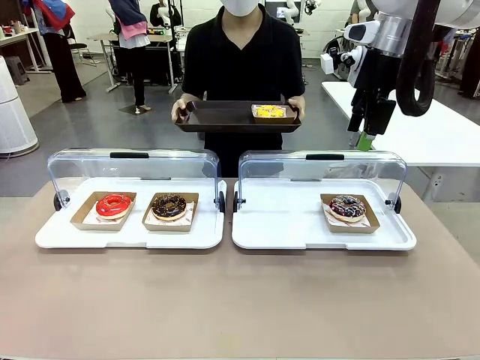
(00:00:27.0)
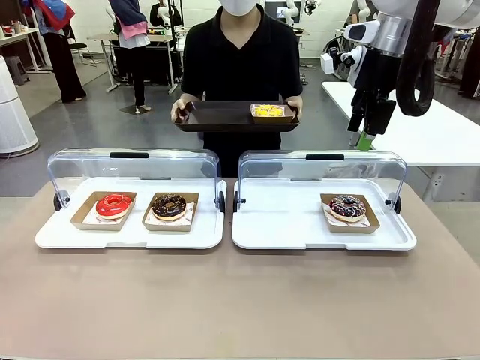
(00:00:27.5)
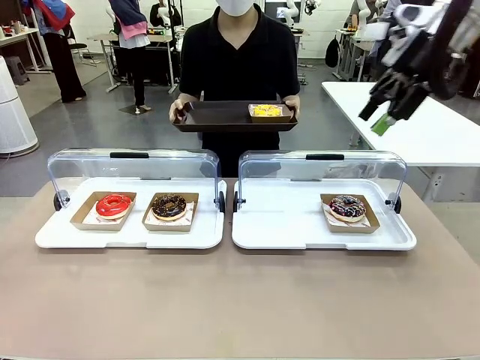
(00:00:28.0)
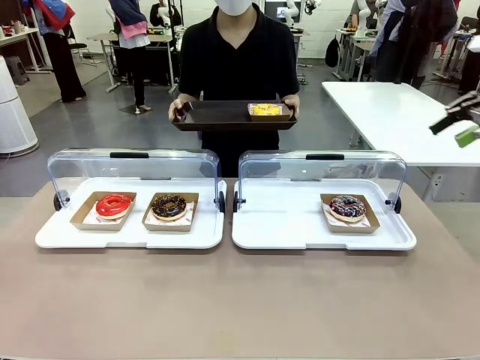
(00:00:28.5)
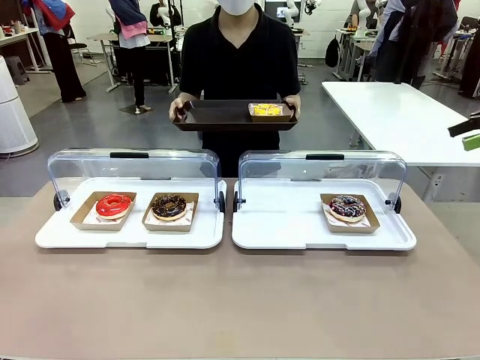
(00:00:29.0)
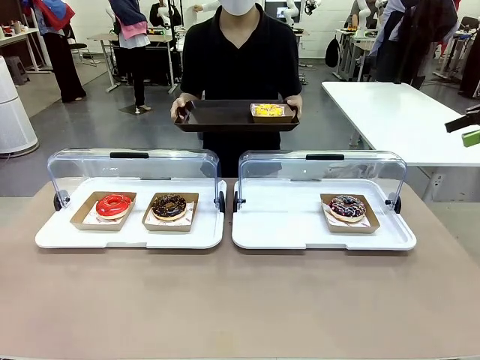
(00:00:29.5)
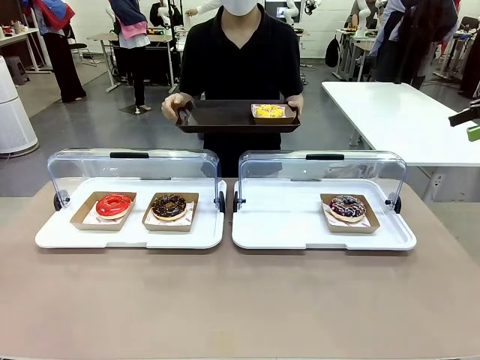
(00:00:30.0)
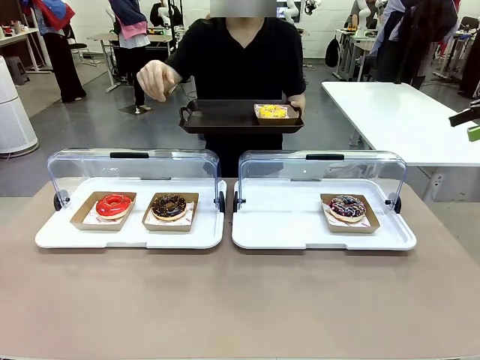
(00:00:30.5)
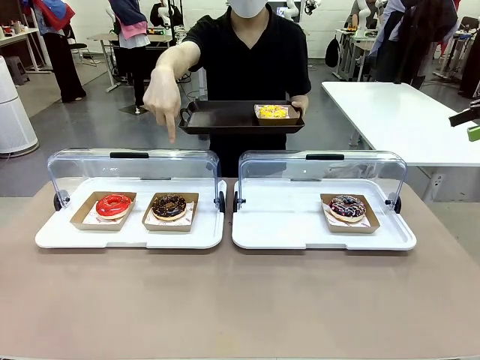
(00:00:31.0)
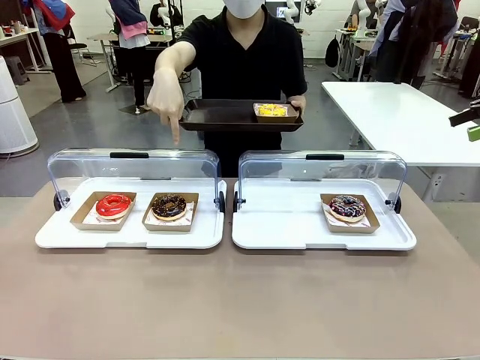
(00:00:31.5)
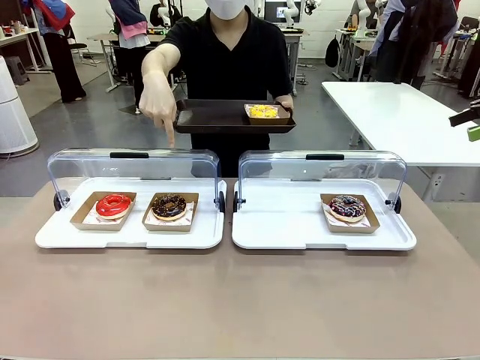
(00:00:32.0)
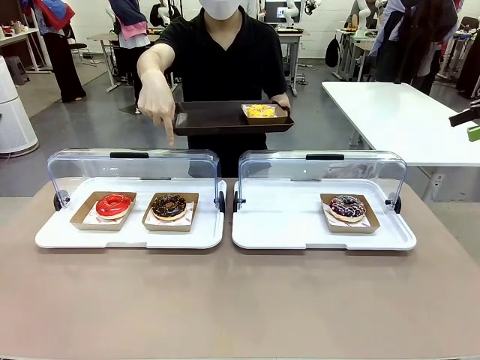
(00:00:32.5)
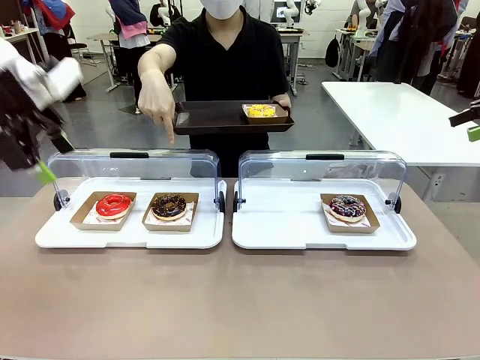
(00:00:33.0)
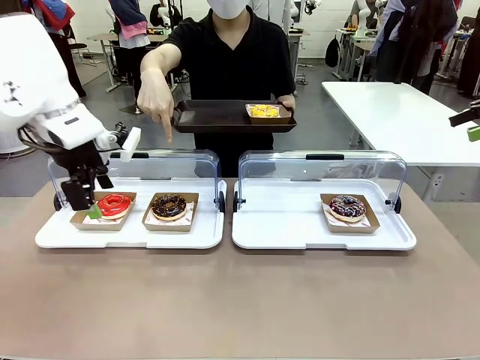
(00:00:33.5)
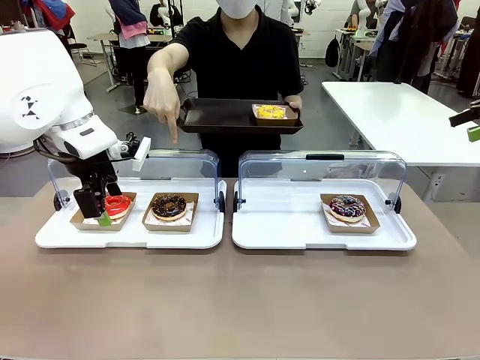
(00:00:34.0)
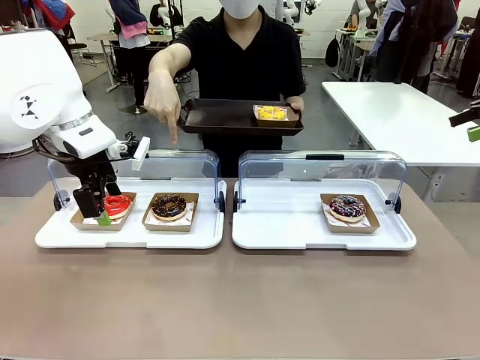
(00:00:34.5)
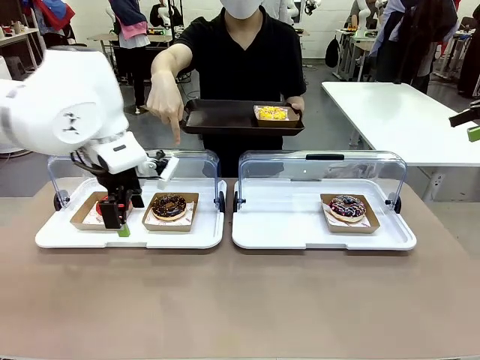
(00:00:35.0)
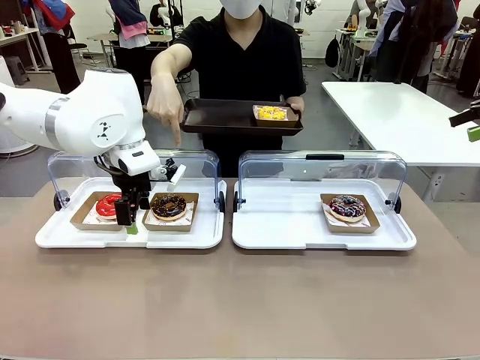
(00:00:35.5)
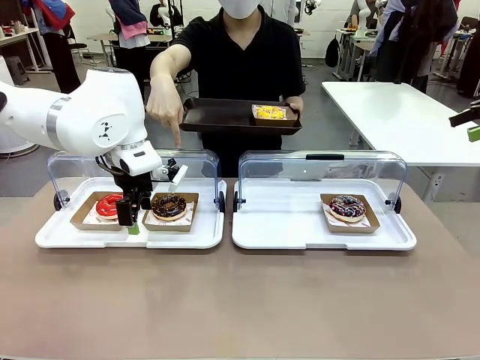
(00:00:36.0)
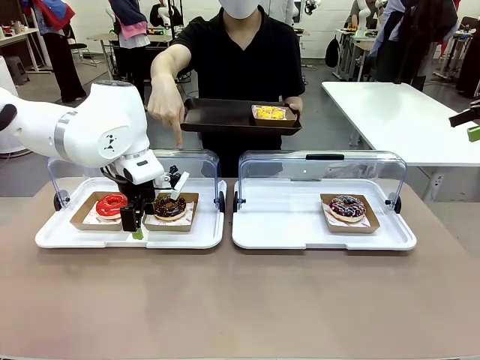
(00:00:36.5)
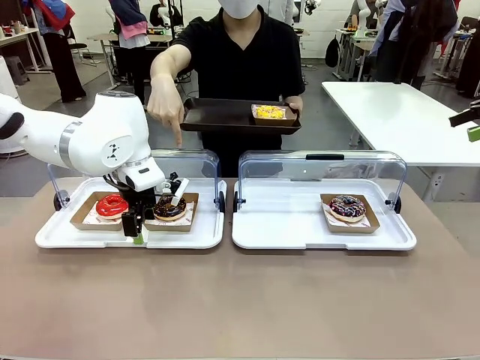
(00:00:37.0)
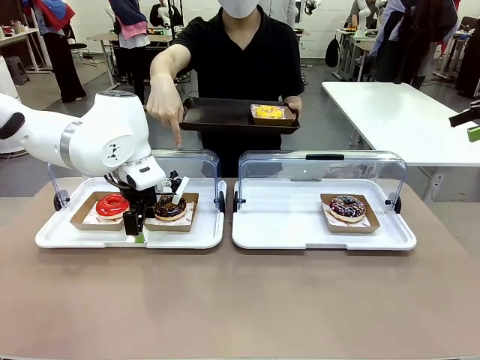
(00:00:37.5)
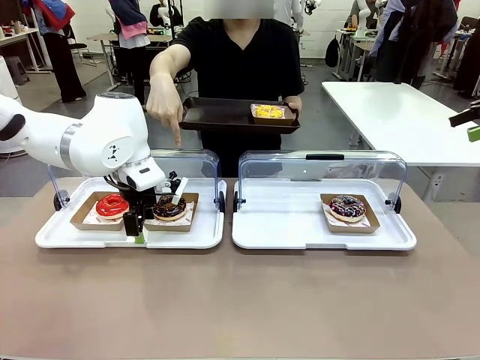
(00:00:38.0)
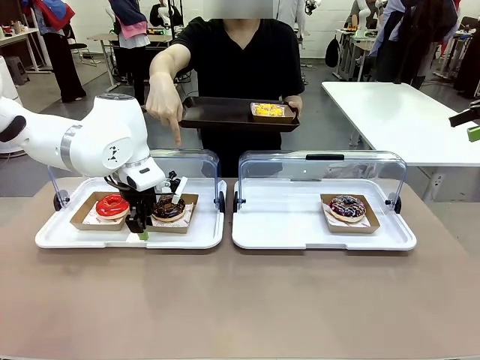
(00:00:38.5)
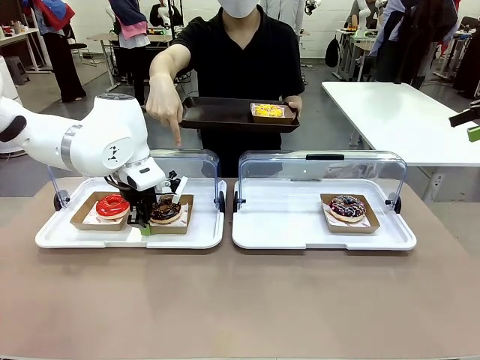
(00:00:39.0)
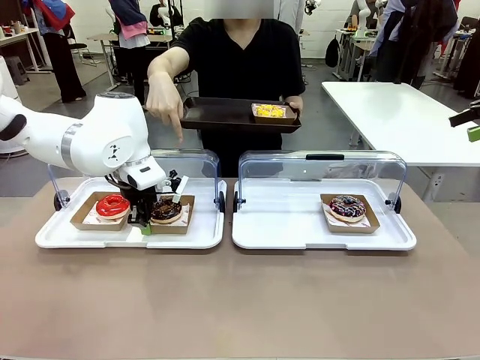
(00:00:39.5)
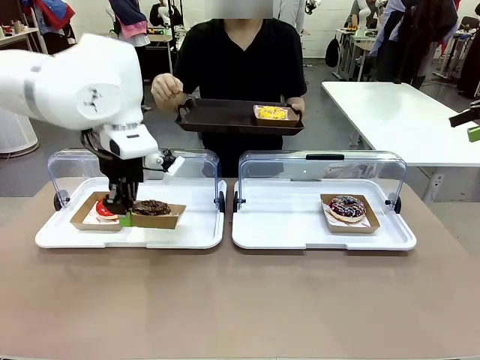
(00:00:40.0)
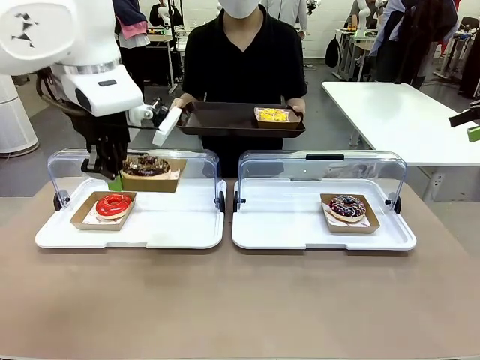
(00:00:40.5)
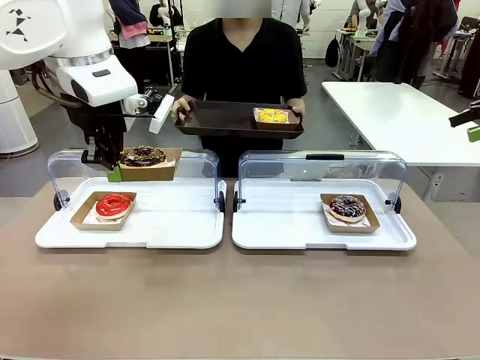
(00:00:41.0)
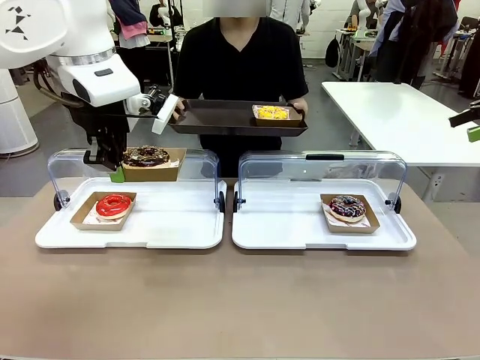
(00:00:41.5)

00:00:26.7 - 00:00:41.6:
Task: Provide the desired donut to the person.
Robot: Pick up and lift the Paper togo box containing the Donut pointed at by the person.
Person: Point to one donut. Lift the tray onto the Roll-Top Bakery Case.

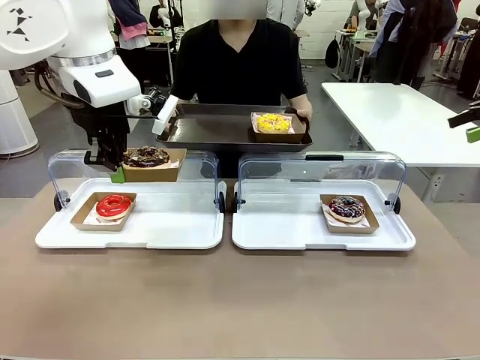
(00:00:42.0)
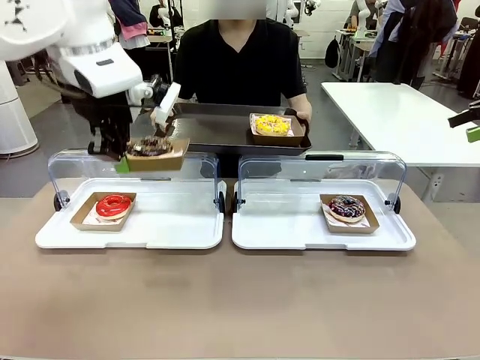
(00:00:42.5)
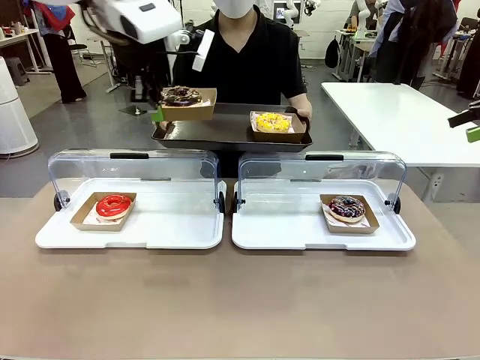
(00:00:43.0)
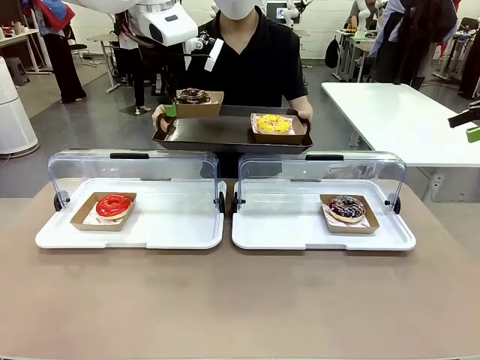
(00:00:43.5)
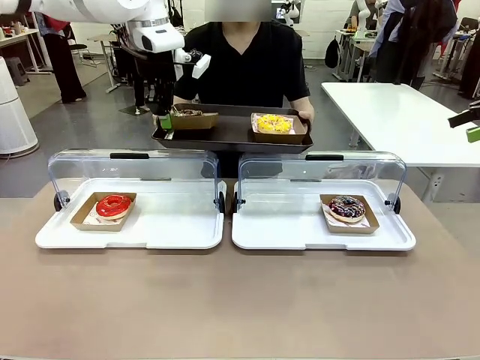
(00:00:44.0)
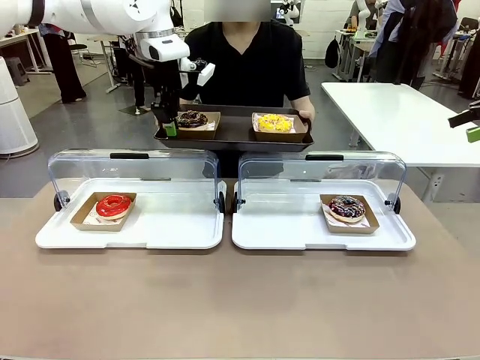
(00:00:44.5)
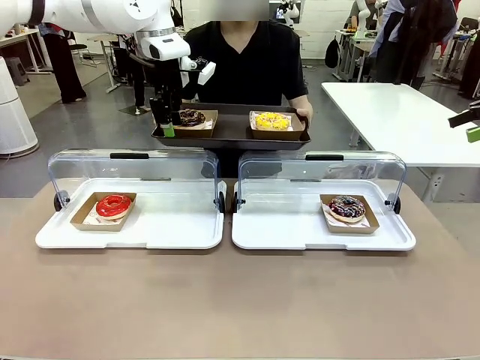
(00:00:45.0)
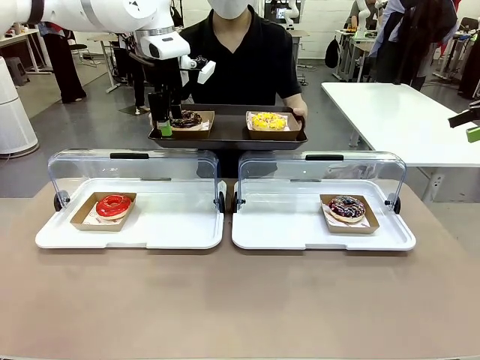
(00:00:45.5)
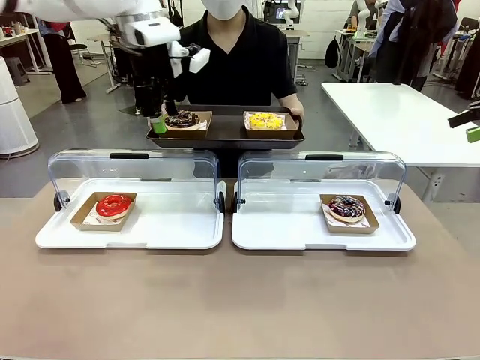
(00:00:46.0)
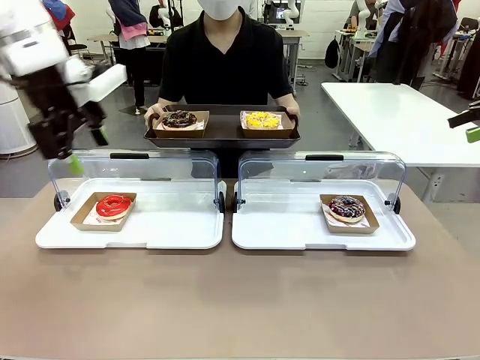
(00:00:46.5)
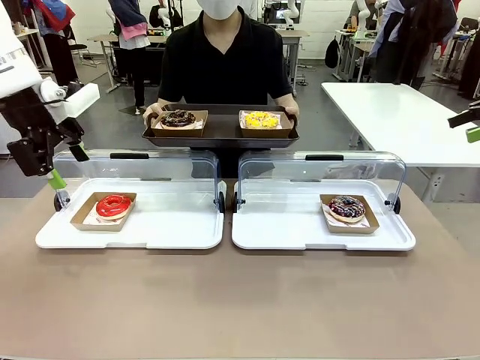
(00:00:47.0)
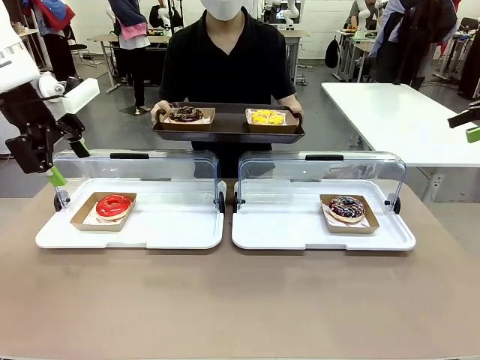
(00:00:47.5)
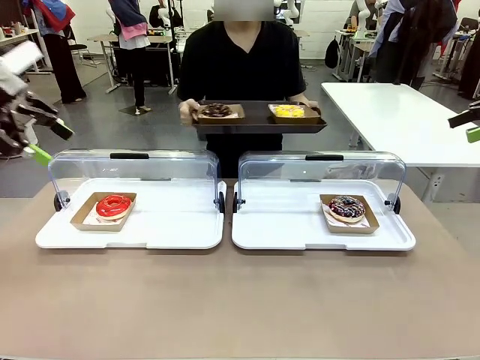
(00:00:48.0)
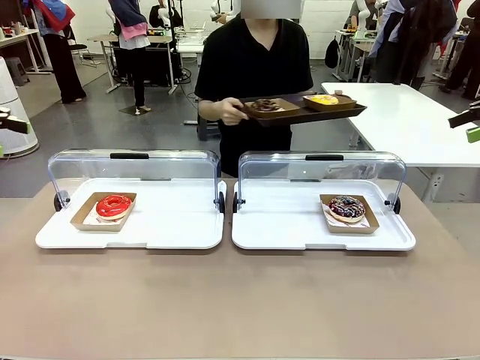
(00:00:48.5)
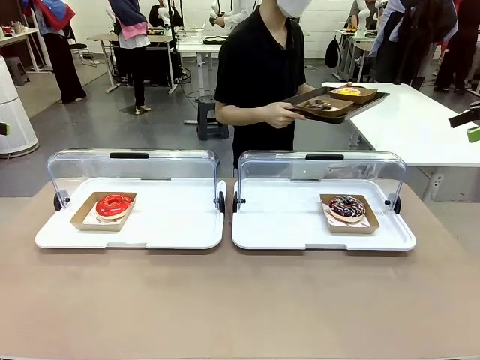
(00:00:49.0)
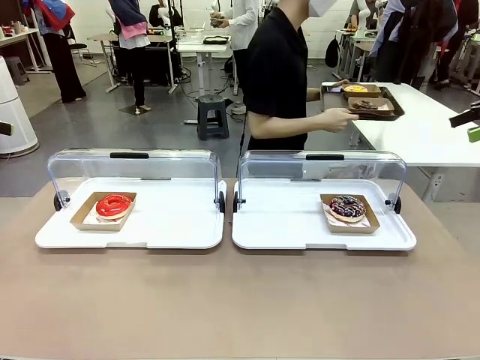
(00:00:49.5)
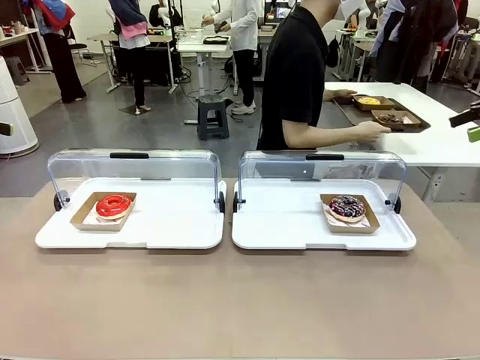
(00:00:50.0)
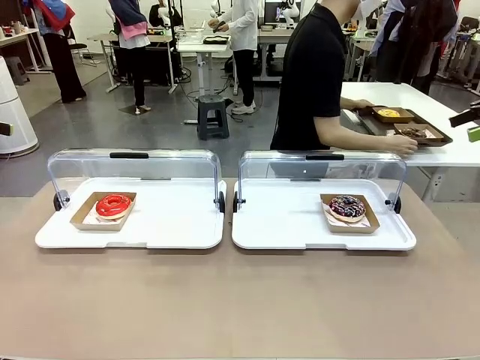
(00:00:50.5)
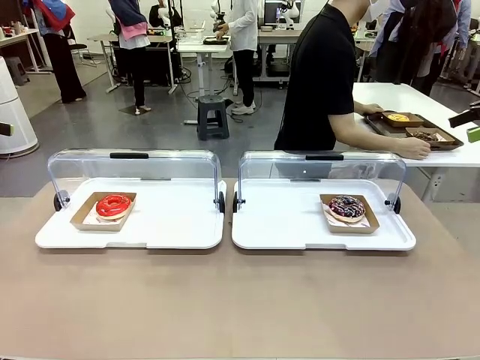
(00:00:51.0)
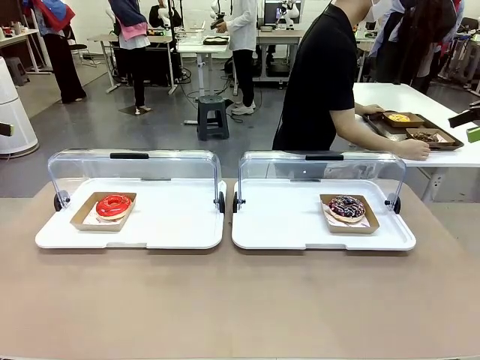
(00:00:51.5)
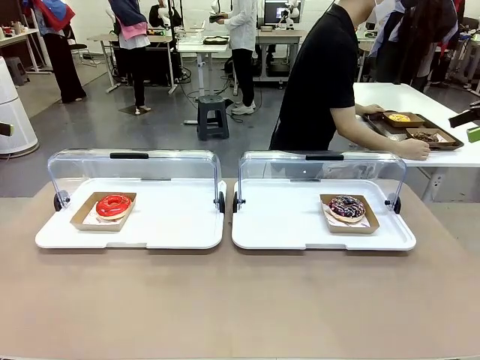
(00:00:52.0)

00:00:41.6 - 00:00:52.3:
Robot: Place the picked Paper togo box onto the Handle tray extended by the person.
Person: Place the tray in the middle of the human table.
